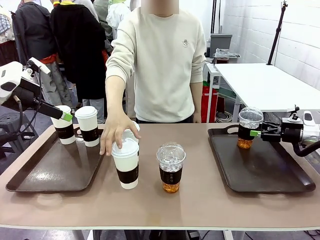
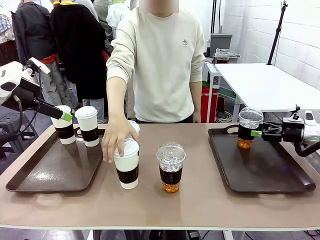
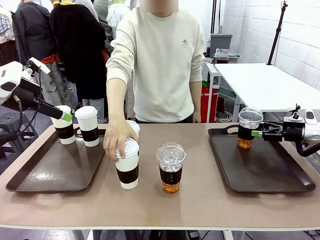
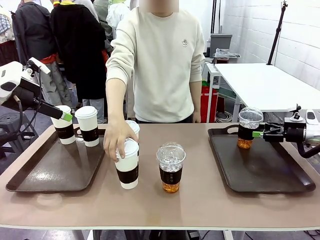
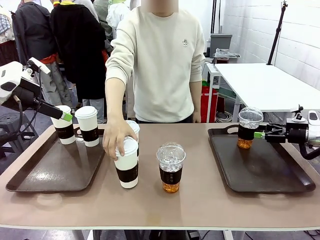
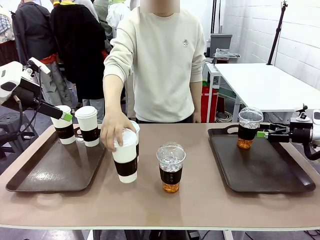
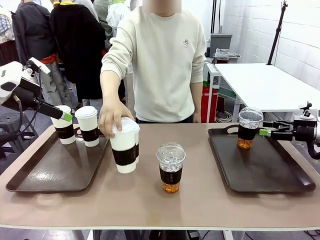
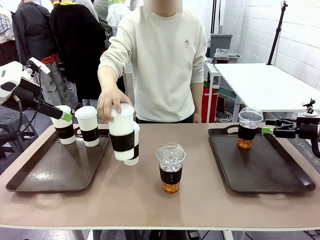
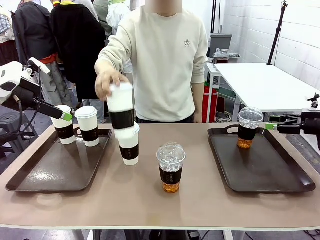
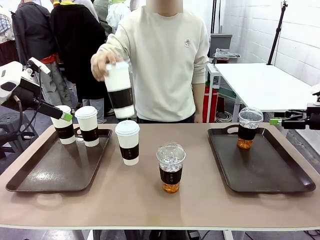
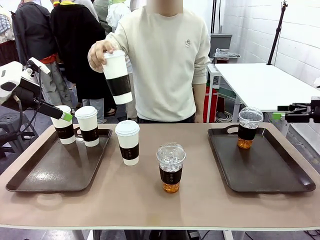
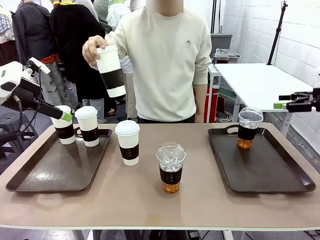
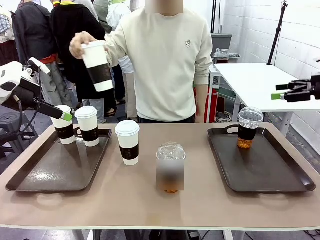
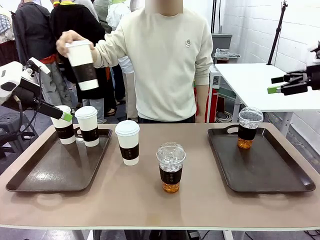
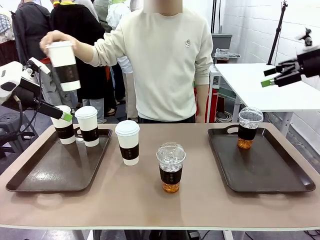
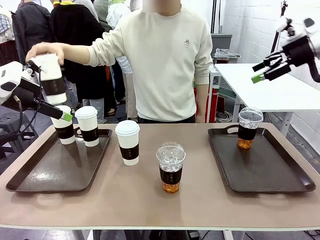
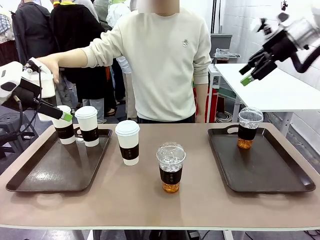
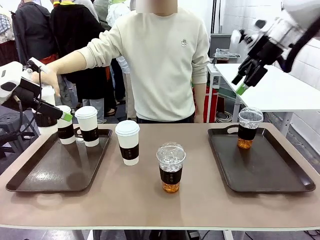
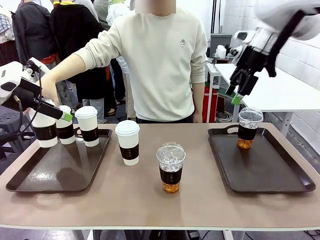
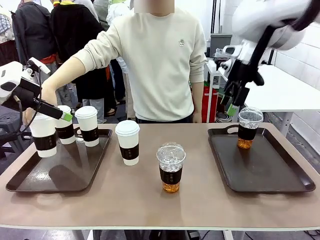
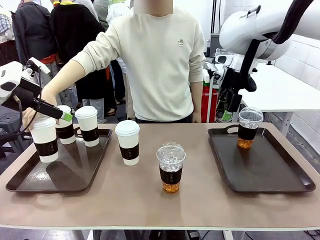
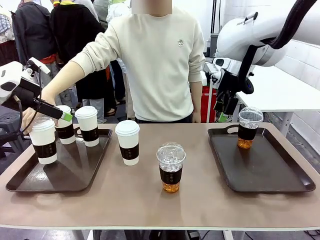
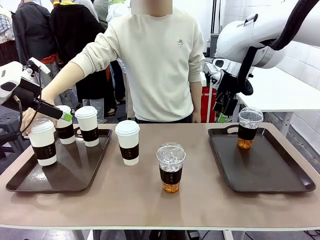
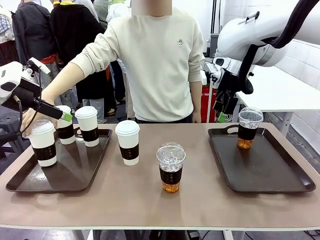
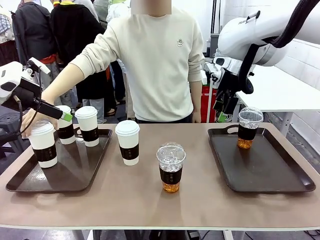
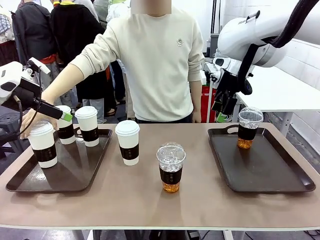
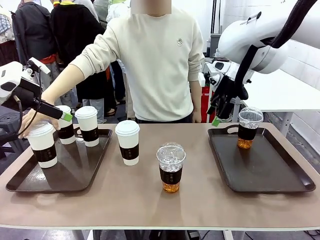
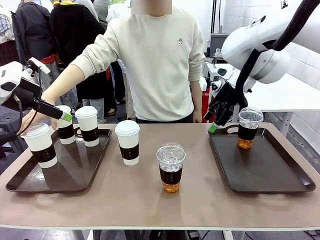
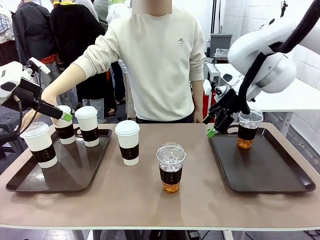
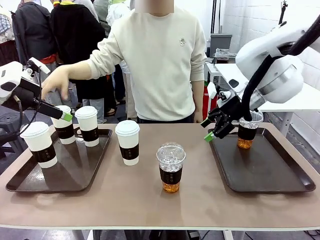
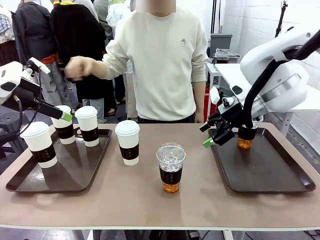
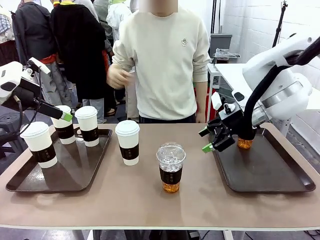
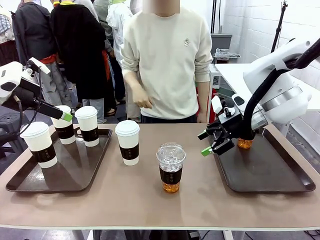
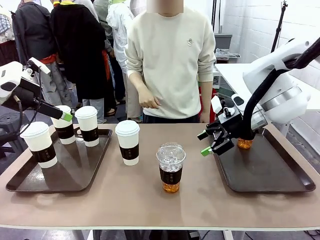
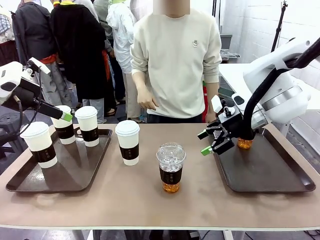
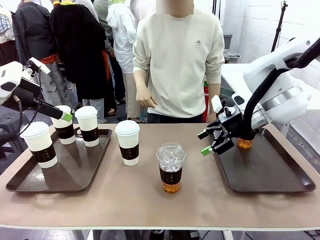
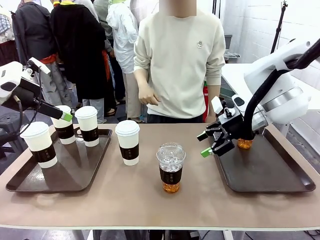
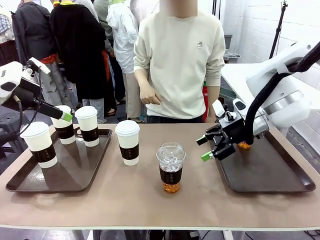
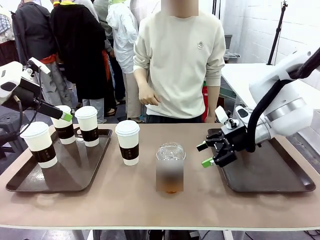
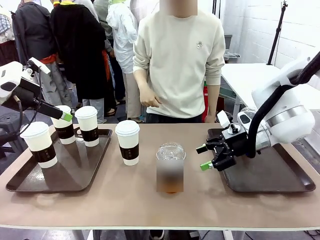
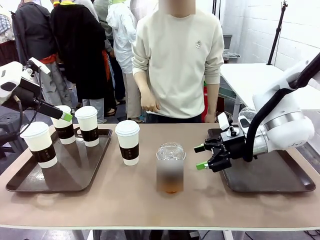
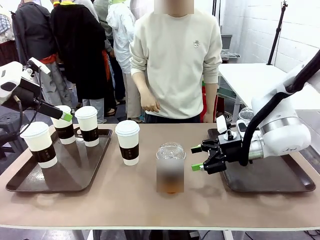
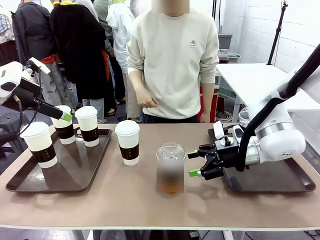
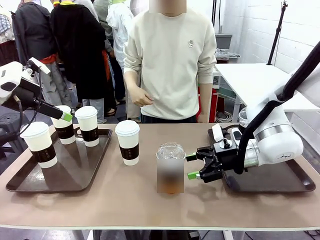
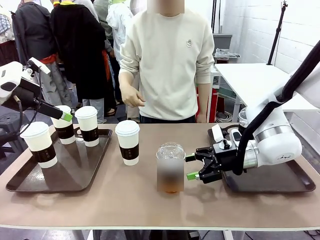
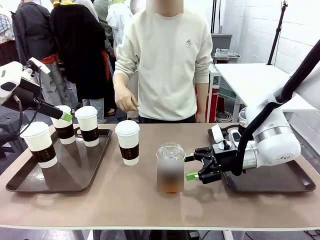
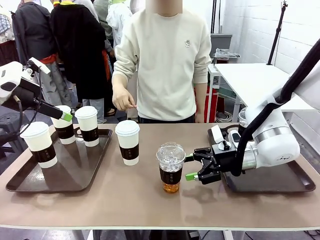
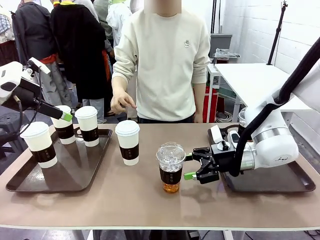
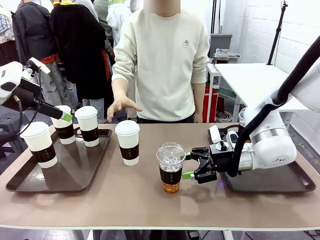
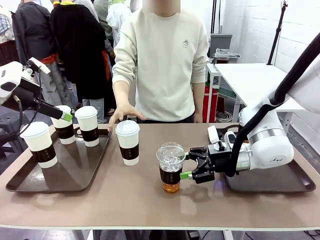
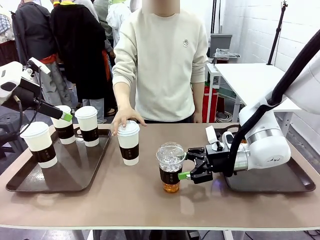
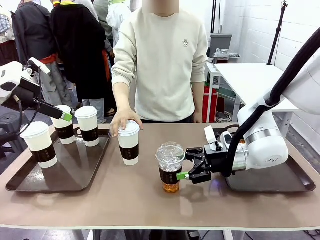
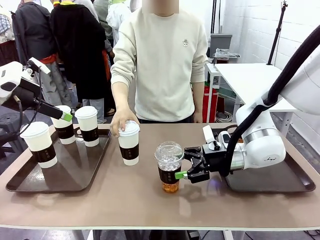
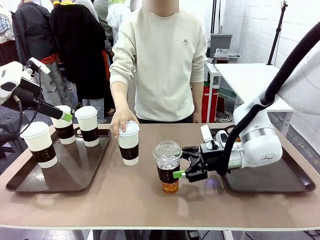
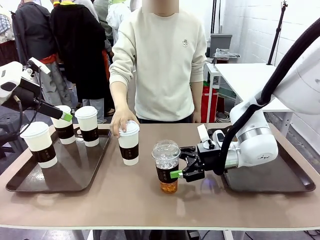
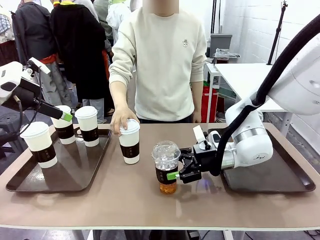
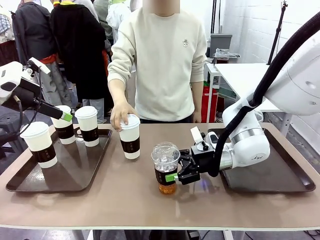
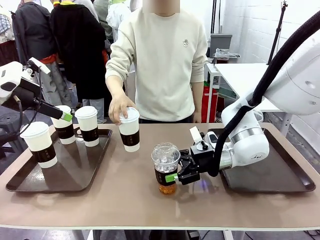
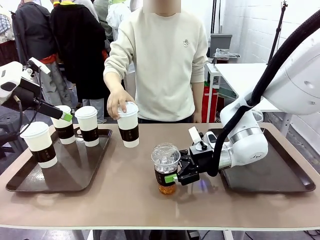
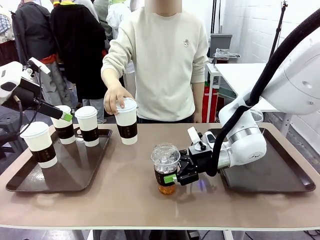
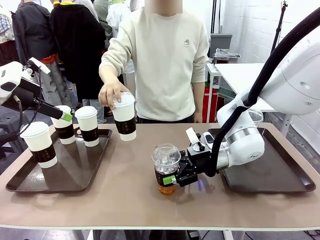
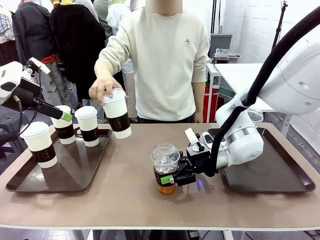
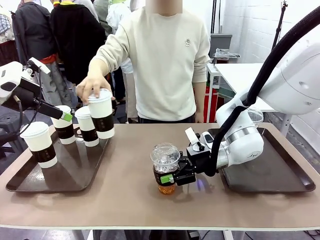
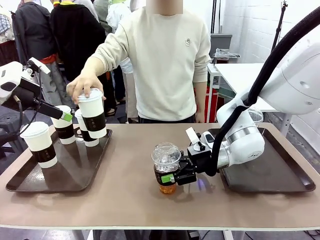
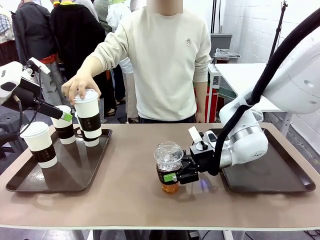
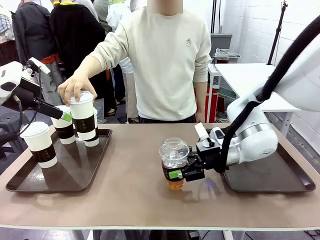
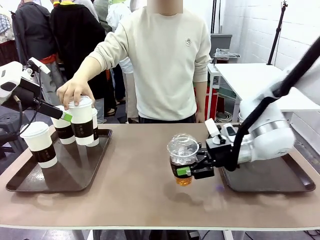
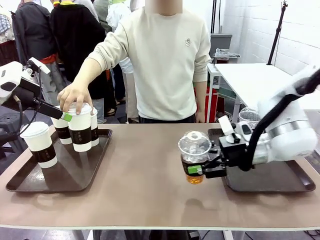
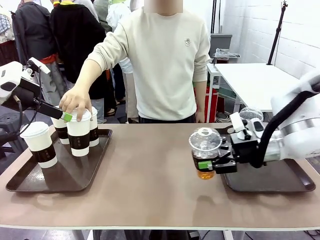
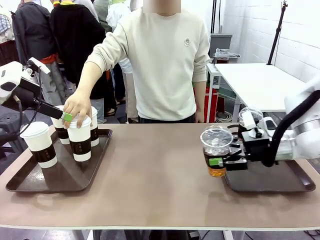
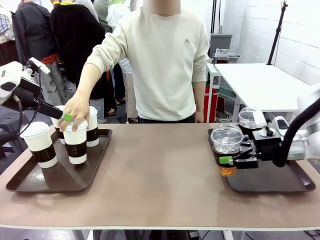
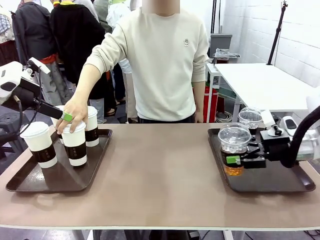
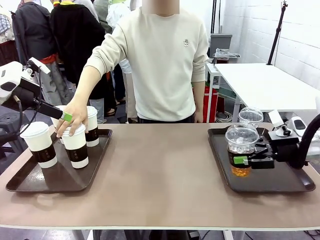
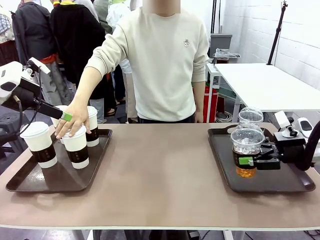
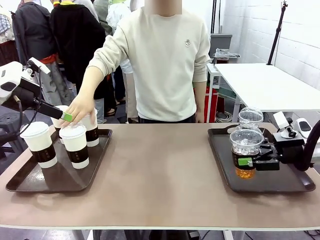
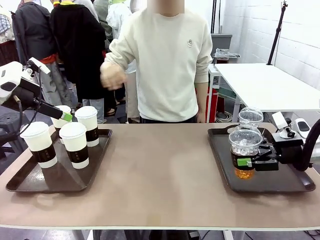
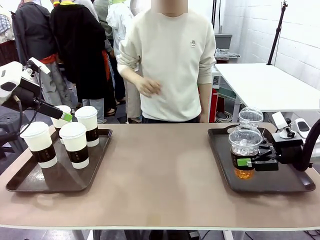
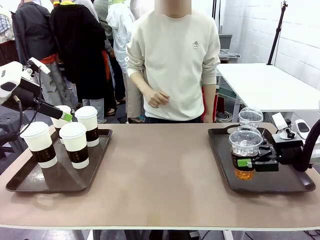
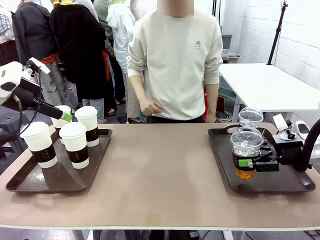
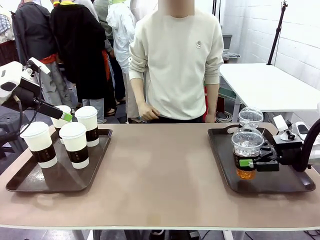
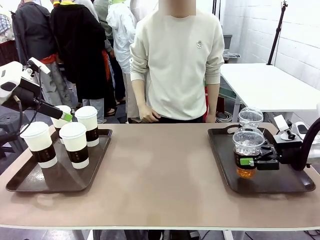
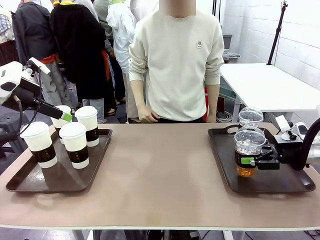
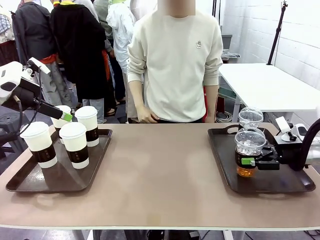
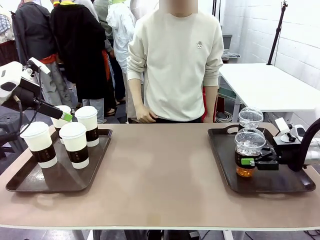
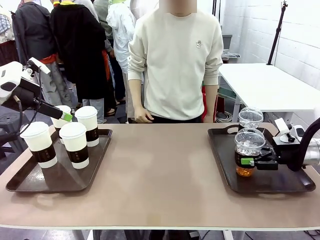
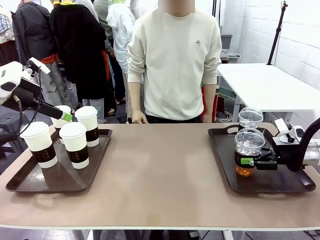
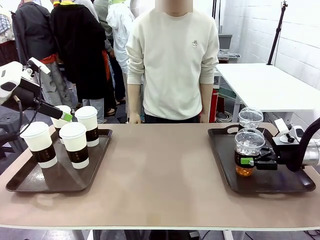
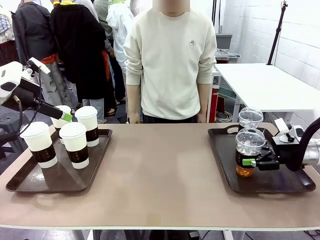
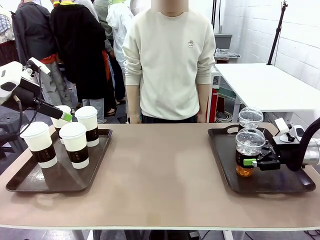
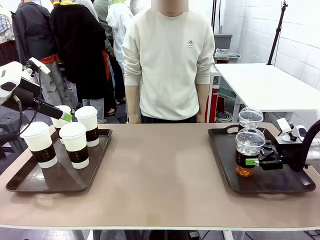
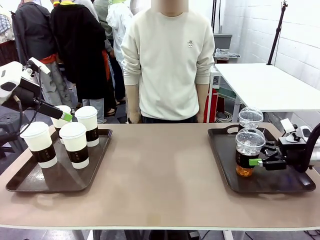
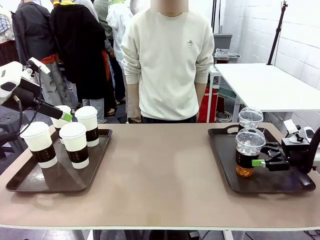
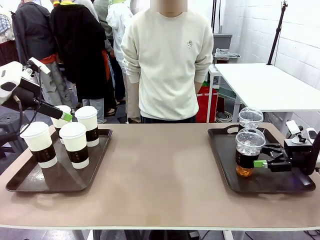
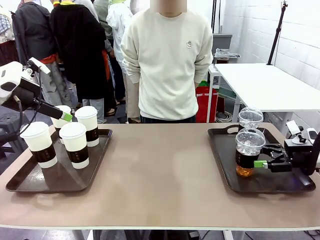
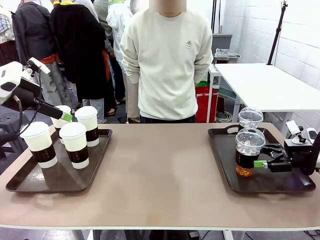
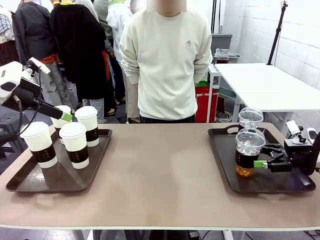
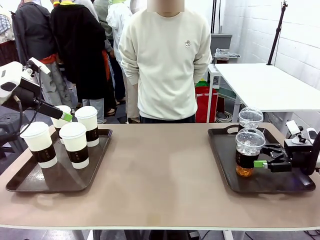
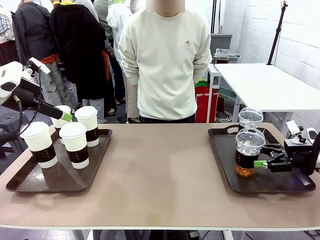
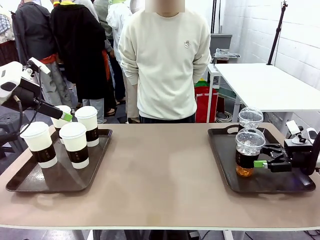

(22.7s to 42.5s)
Task: Distribute the coffee onto the tray.
Robot: Pick up another iced Americano from the middle of the table and place it on the right Handle tray.
Person: Pick up a cup of hot Americano from the middle of the table and place it on the right tray.
